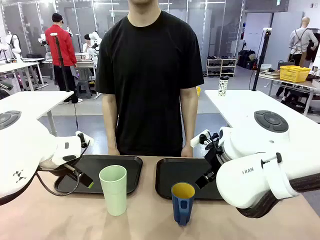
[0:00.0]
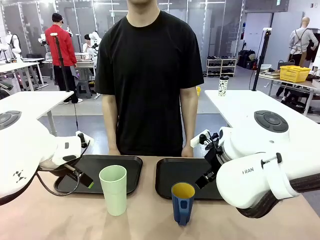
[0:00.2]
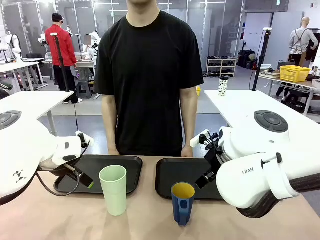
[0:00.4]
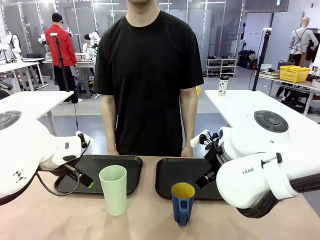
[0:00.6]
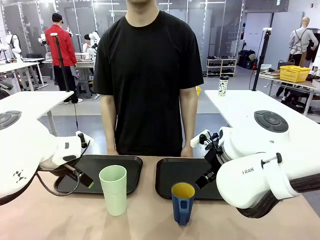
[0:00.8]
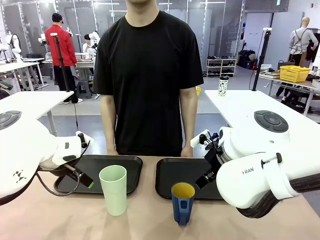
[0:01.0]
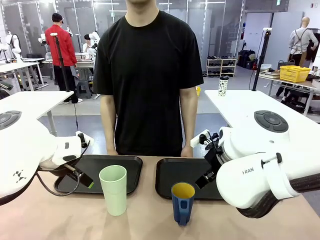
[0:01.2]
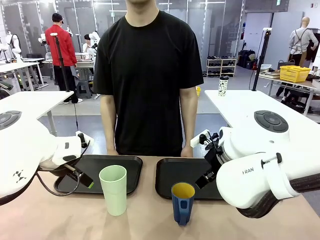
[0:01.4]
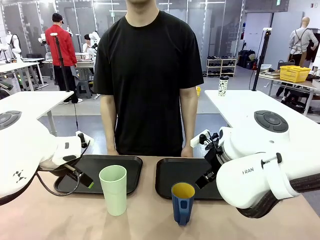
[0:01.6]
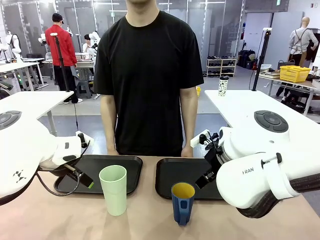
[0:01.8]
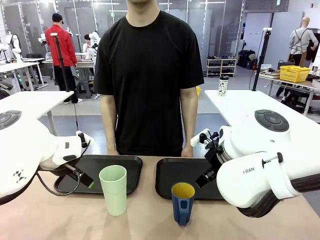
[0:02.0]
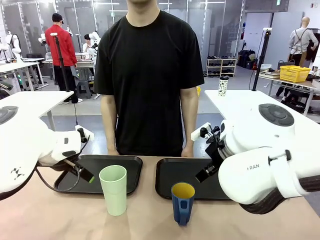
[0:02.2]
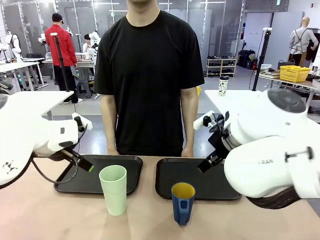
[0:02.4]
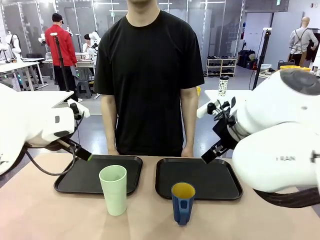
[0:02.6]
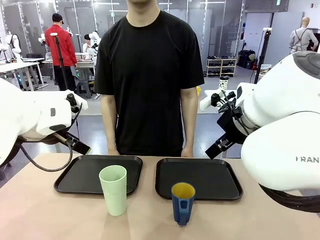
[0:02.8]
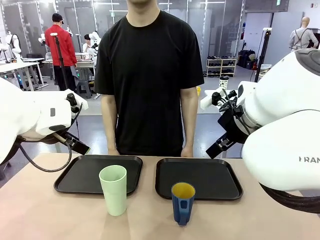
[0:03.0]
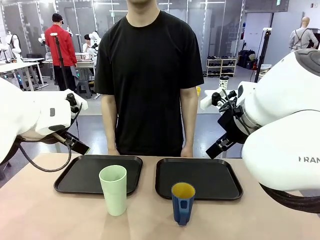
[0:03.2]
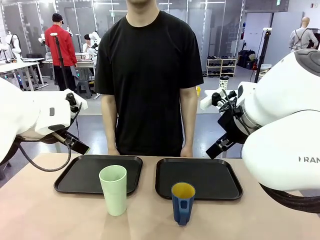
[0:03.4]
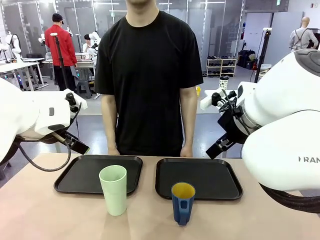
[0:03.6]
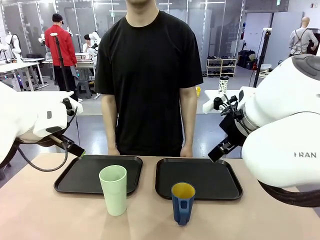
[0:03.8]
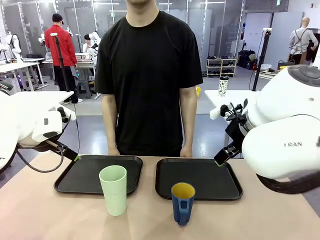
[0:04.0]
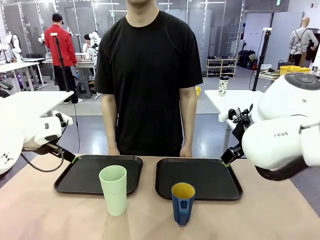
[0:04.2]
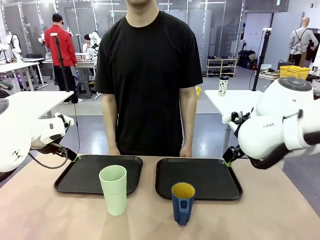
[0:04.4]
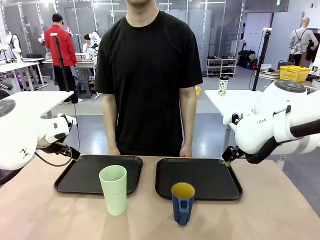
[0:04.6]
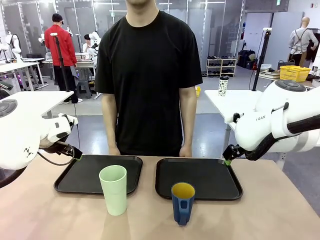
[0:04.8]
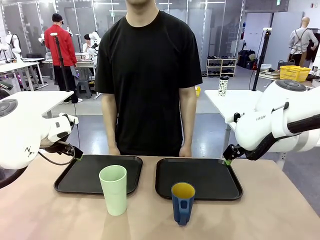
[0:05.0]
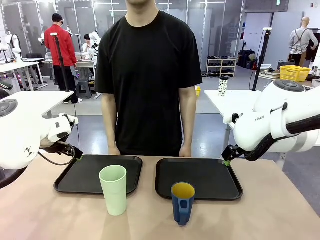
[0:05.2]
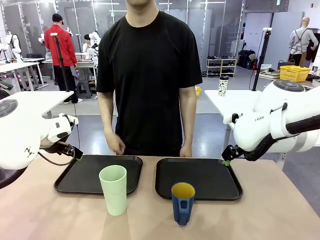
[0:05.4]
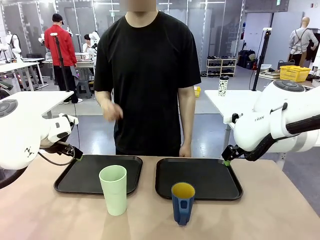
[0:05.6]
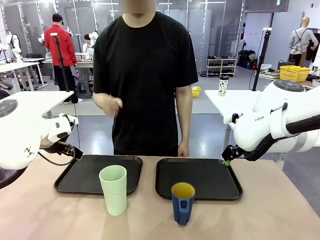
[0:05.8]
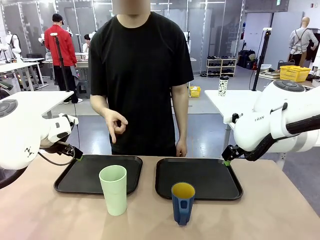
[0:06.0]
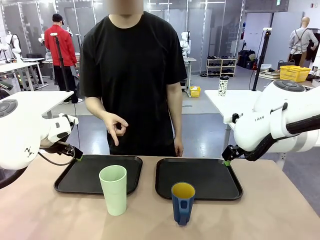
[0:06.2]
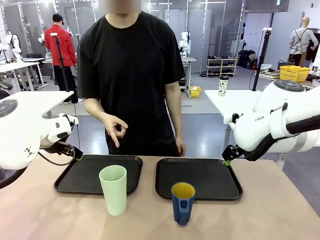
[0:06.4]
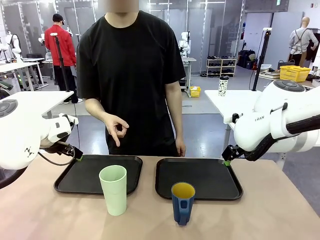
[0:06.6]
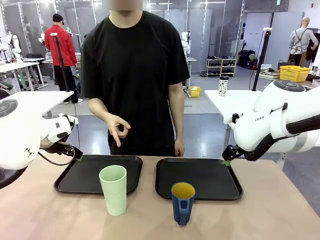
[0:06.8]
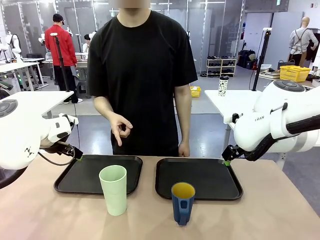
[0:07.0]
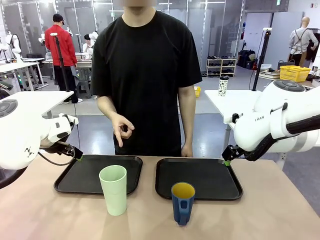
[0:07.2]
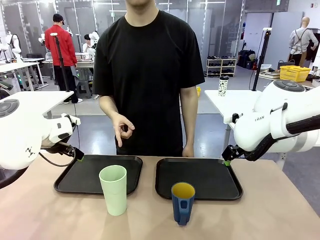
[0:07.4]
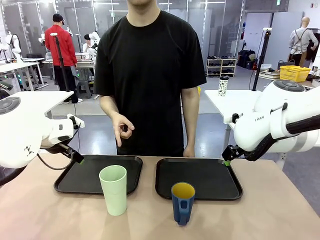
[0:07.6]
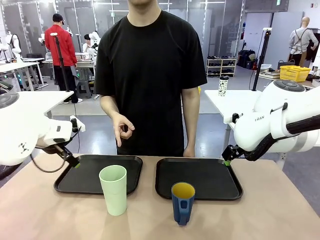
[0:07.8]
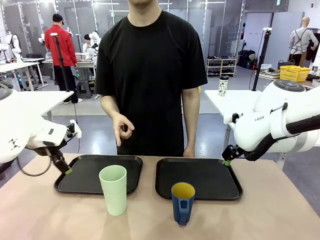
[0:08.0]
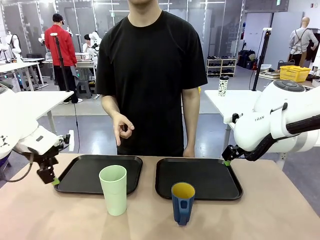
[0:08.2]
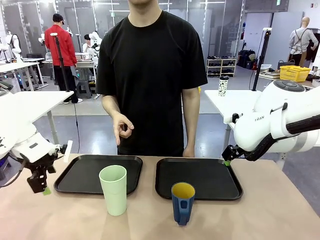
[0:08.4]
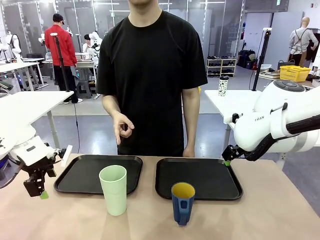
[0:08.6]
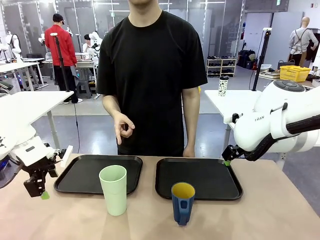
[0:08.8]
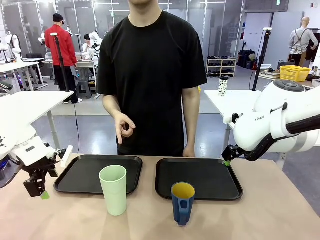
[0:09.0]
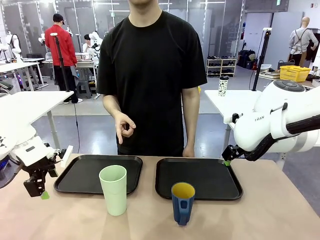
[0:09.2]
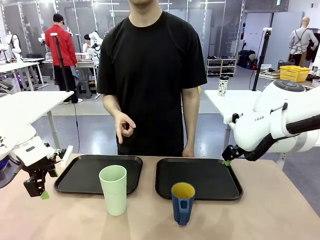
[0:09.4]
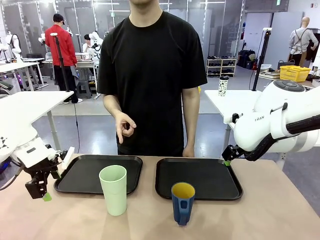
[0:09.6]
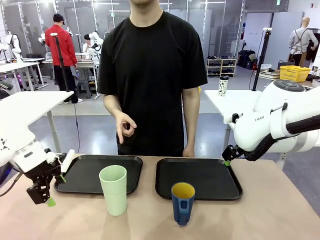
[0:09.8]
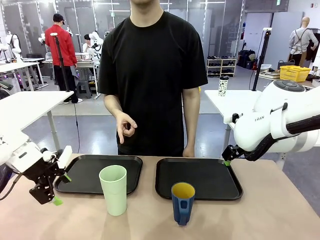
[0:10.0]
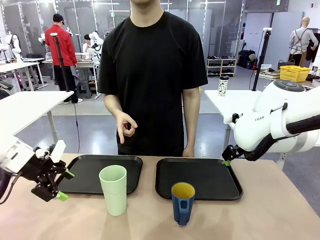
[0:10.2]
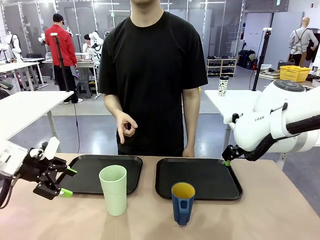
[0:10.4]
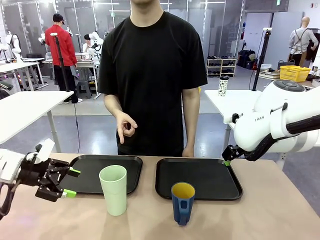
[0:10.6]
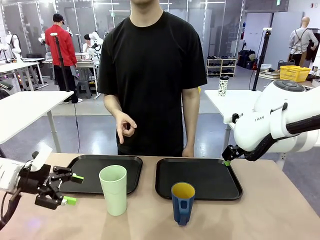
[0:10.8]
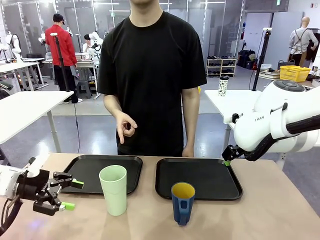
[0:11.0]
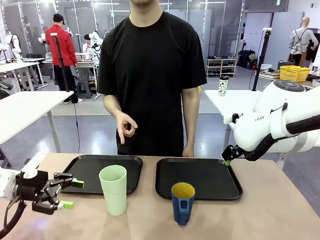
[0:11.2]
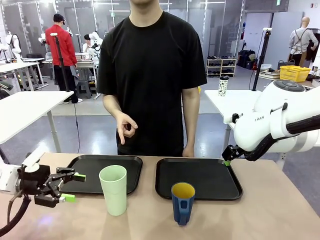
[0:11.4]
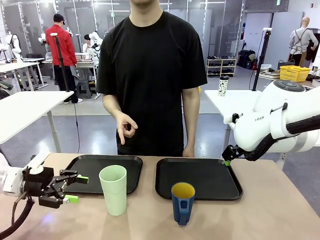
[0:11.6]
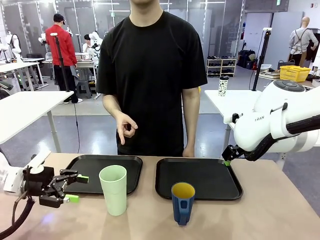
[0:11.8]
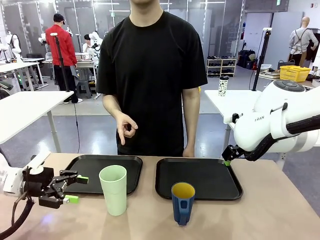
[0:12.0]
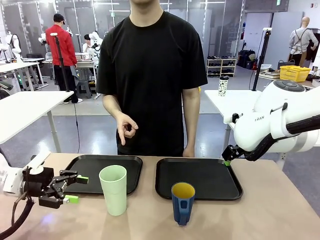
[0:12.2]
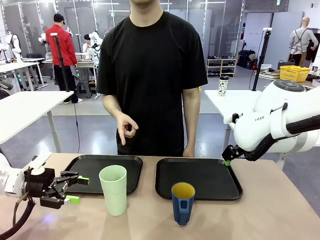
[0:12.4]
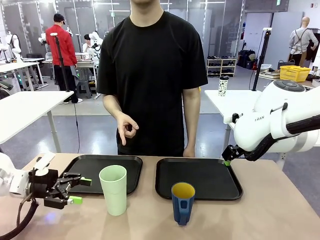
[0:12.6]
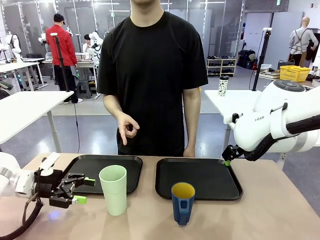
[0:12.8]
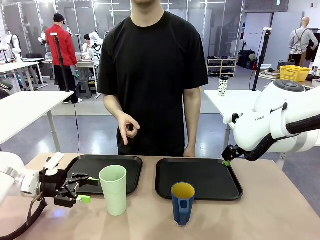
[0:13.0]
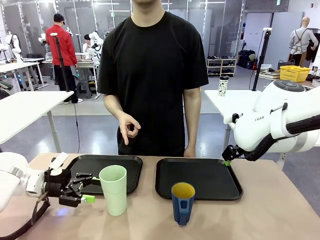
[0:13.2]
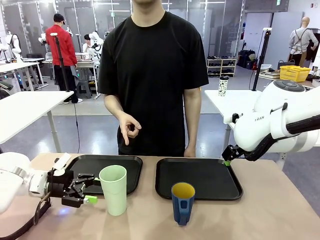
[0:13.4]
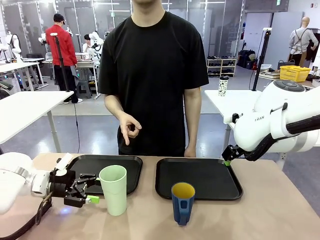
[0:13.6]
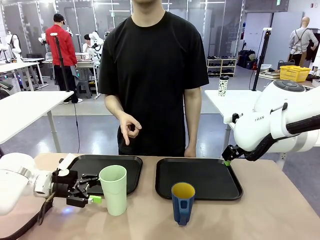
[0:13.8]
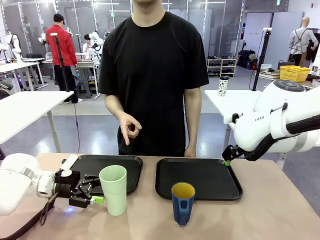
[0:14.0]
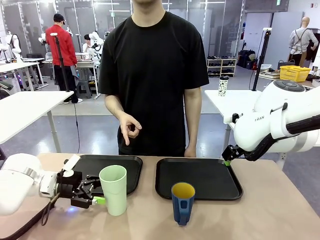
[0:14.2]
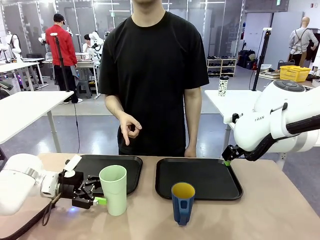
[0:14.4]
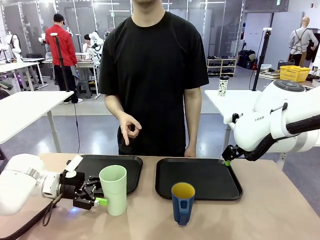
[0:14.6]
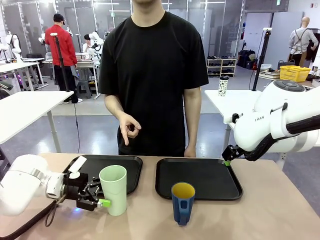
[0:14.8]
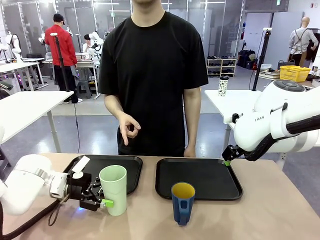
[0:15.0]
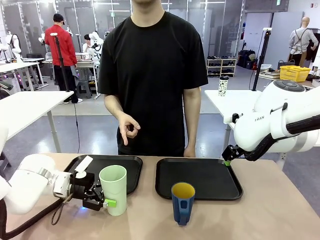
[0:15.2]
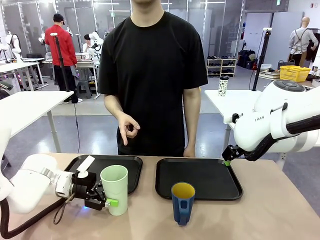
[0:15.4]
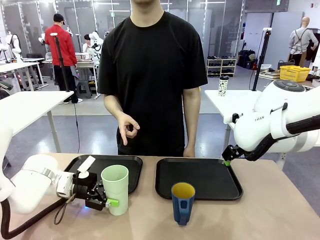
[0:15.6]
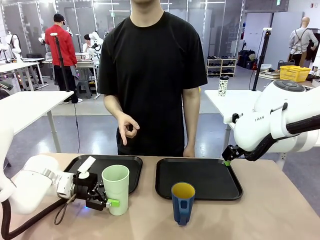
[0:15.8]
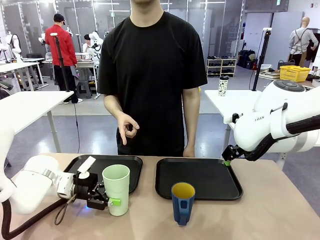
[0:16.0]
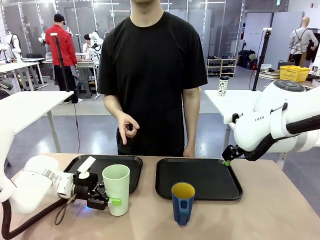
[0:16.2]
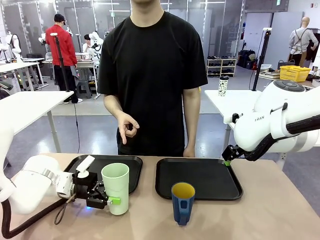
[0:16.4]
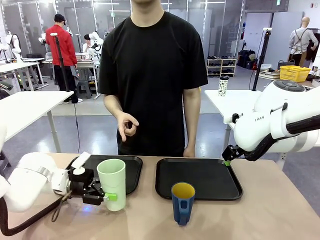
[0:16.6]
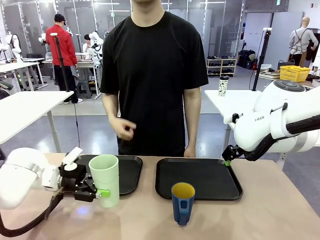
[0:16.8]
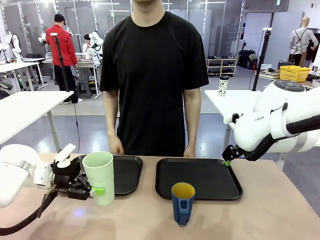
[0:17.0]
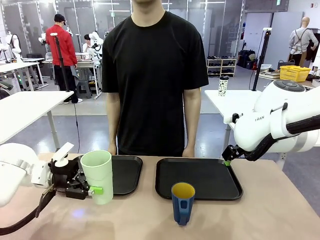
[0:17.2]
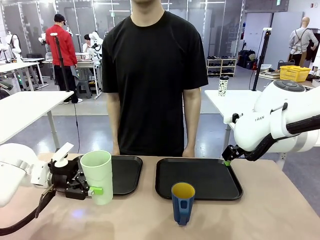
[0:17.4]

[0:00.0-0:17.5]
Task: Sort and store the cups by type.
Robot: Pick up the Reusable plastic cup.
Person: Points to the reusable cup. Point to one of the two trays.
